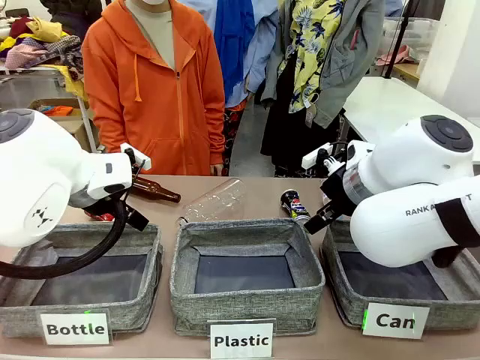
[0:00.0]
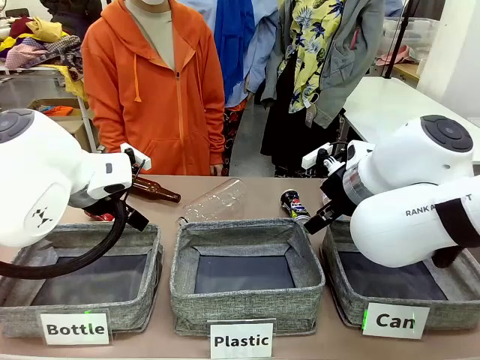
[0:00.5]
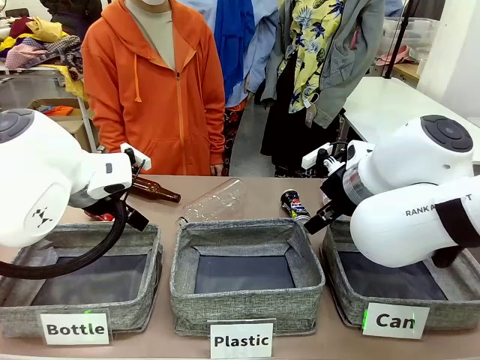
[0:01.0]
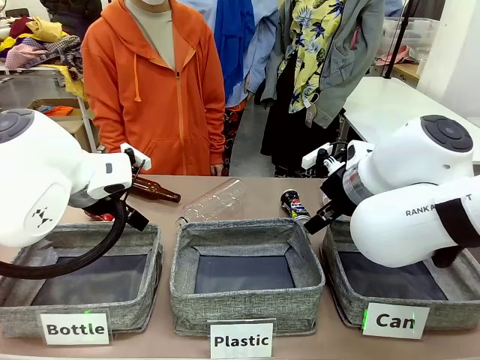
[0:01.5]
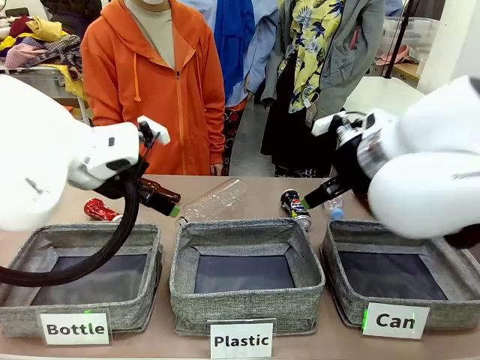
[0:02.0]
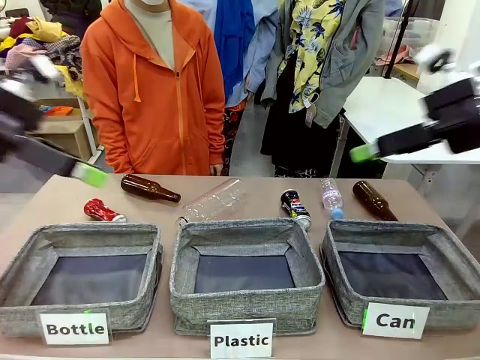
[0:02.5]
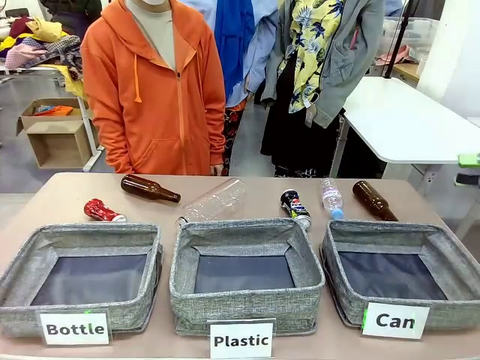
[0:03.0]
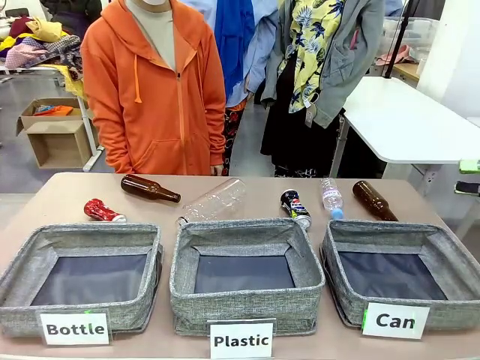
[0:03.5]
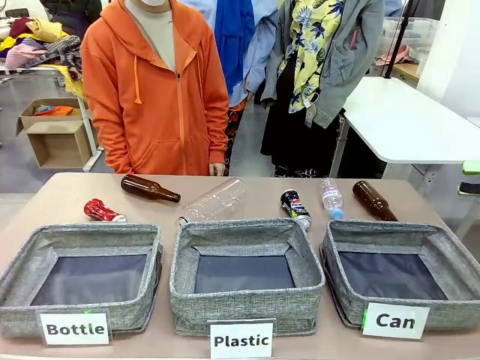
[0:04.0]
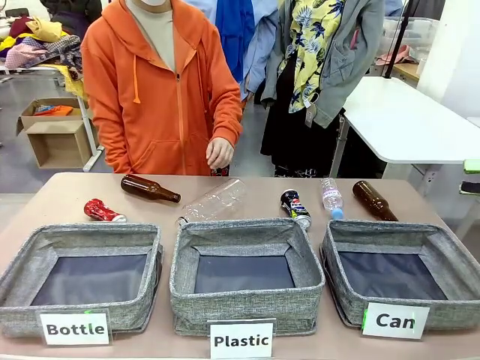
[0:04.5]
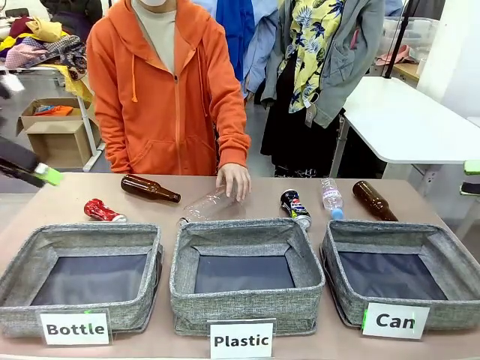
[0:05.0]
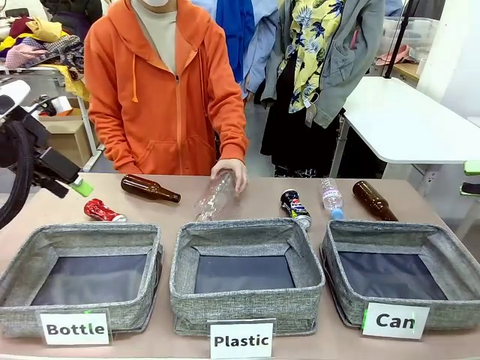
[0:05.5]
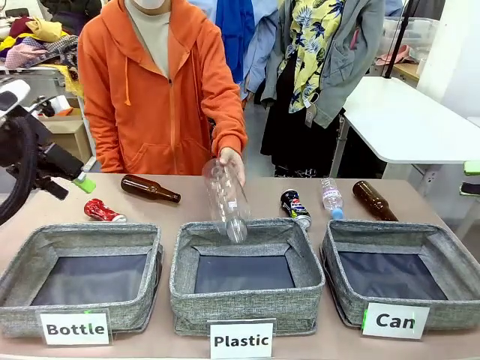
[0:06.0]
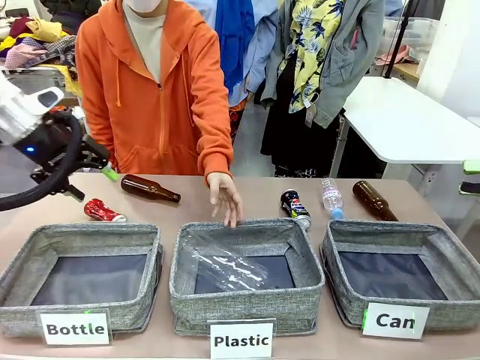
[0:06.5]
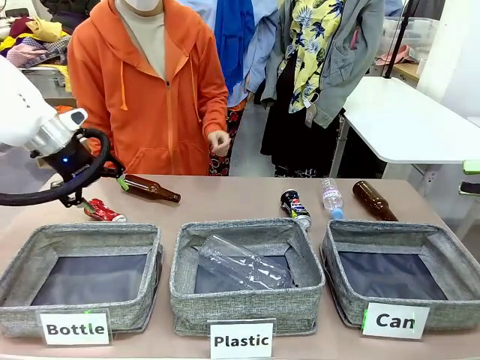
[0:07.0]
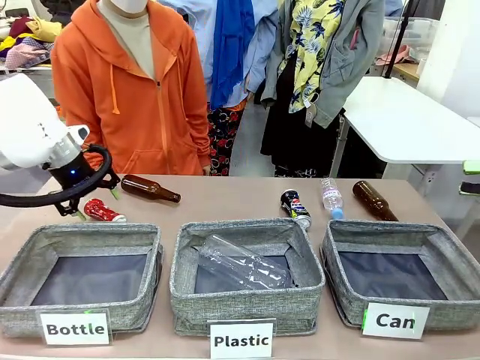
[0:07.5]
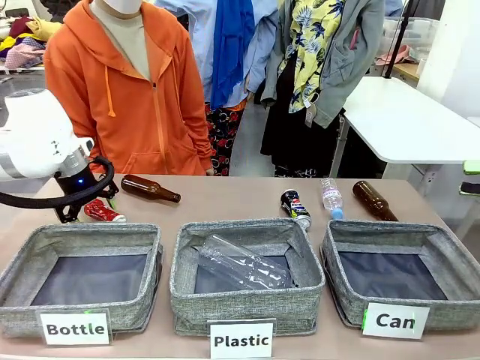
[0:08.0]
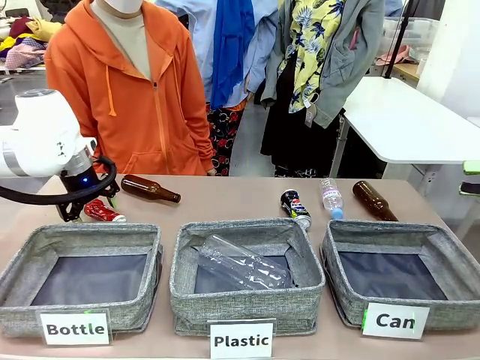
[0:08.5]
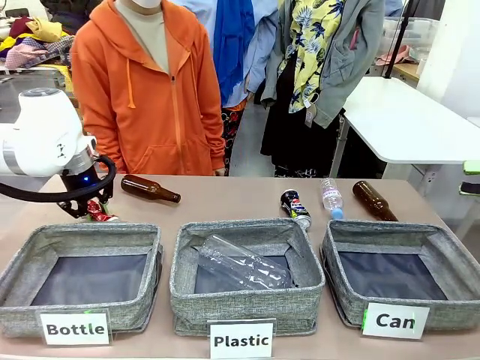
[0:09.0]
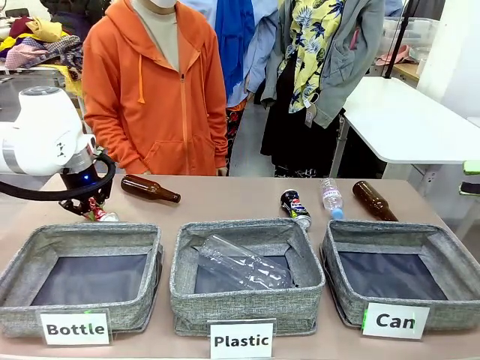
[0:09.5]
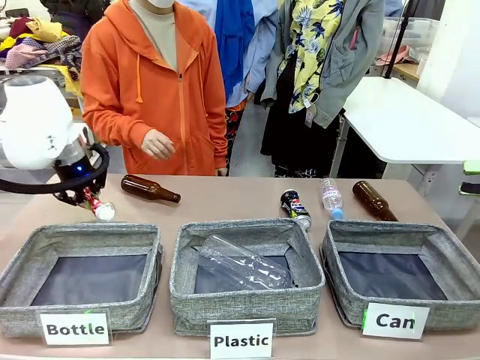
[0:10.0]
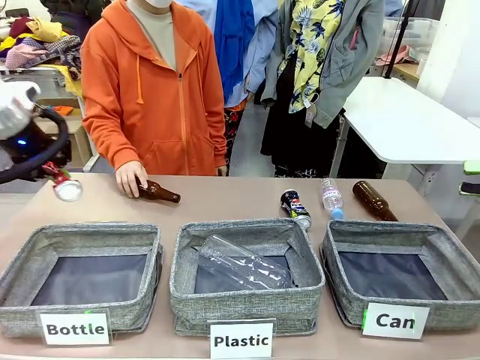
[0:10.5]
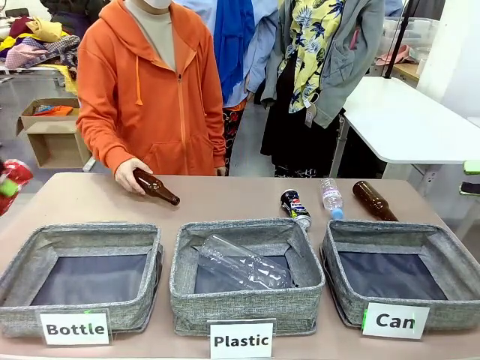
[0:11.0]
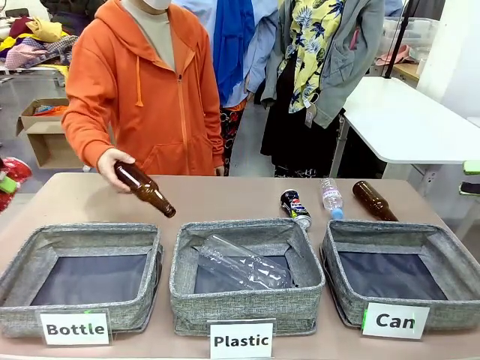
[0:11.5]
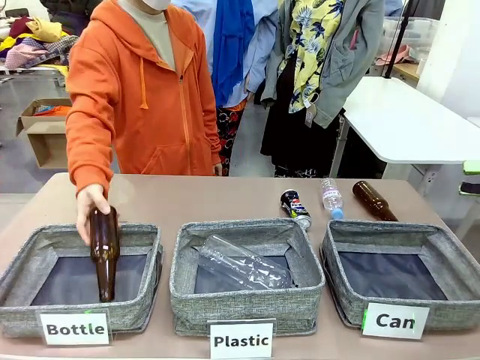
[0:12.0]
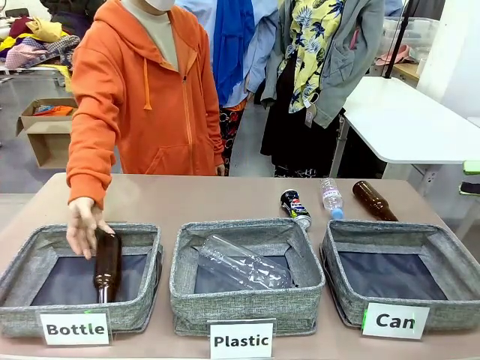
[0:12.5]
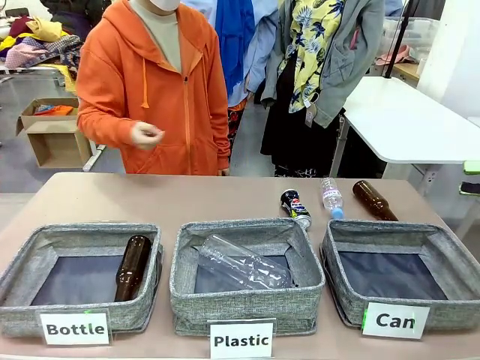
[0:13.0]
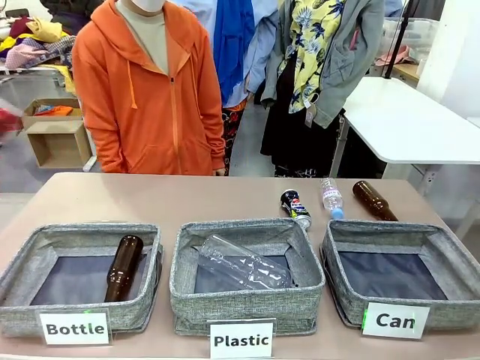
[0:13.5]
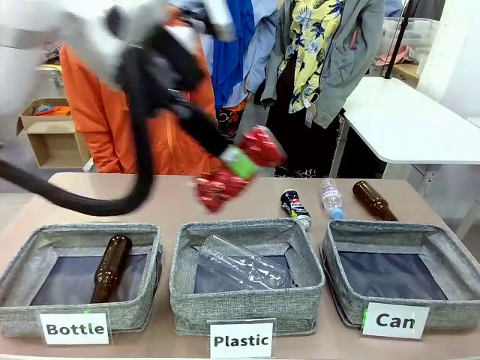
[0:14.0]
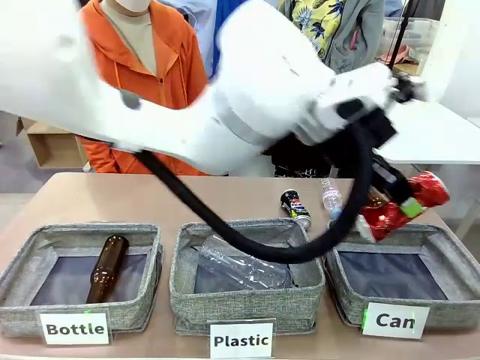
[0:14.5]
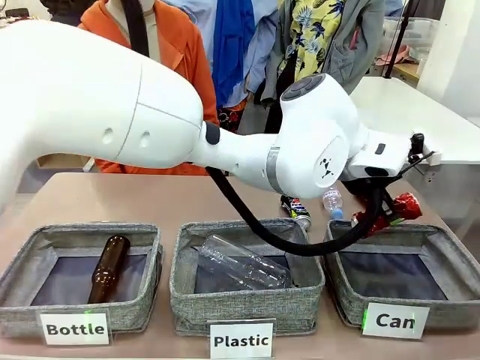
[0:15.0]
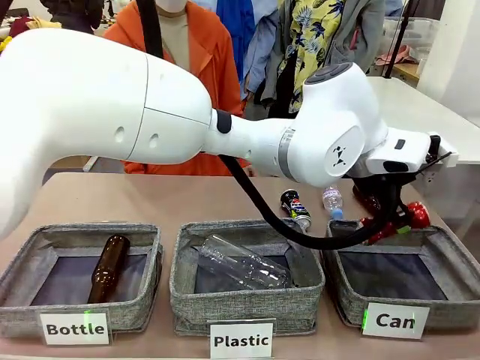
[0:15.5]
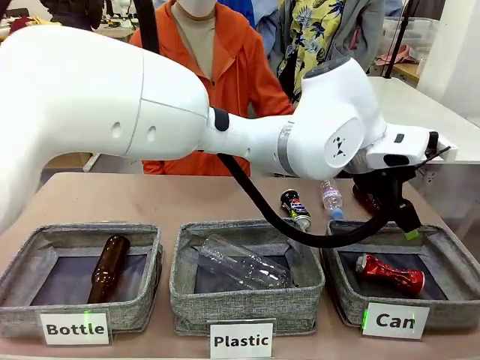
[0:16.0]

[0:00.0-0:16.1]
Task: Sort the can waste into the basket.
Robot: Pick up the can waste from the table and place it in the right Fabric basket.

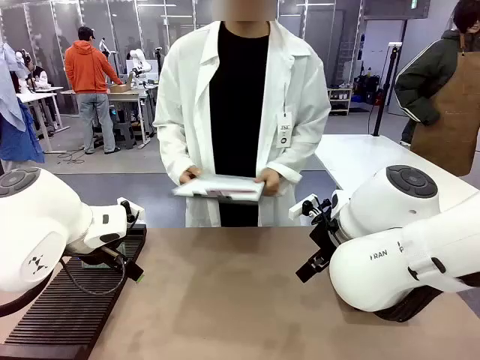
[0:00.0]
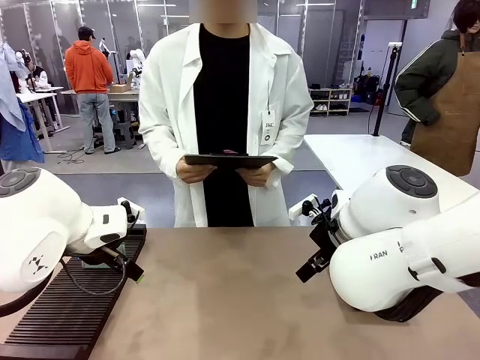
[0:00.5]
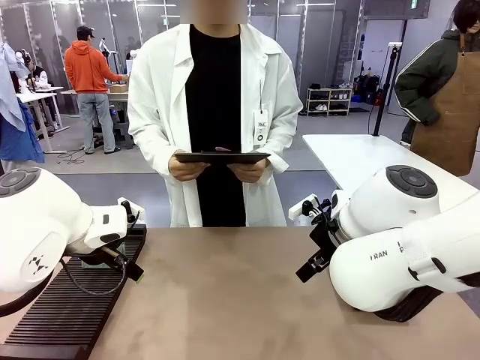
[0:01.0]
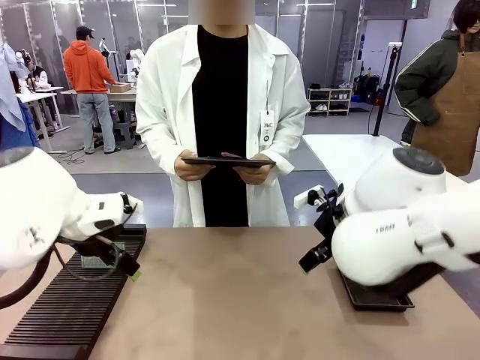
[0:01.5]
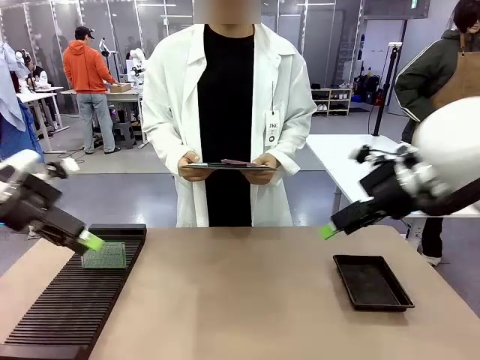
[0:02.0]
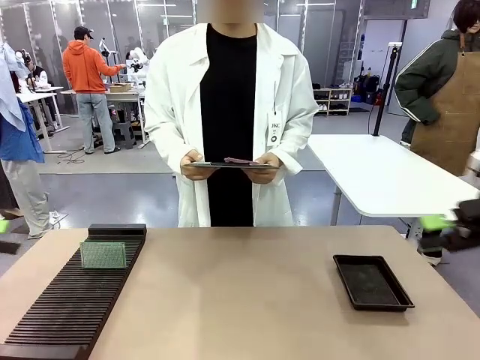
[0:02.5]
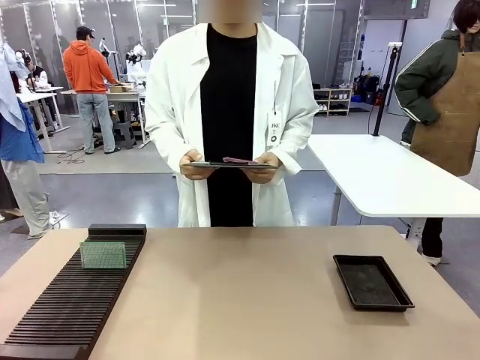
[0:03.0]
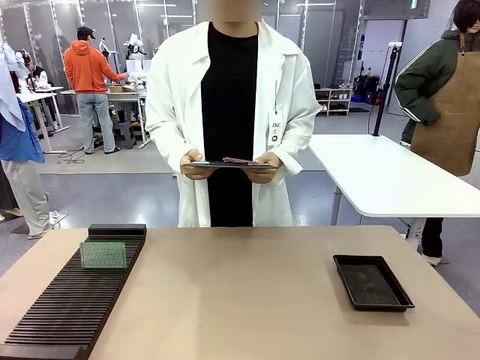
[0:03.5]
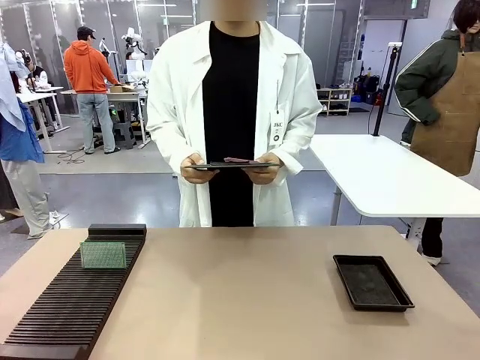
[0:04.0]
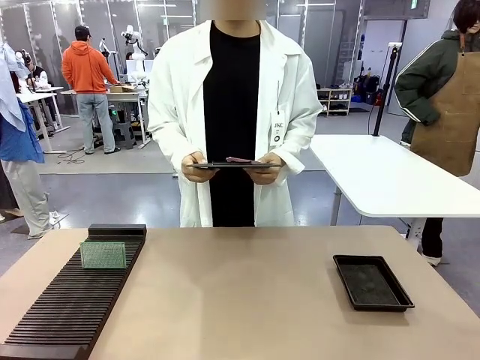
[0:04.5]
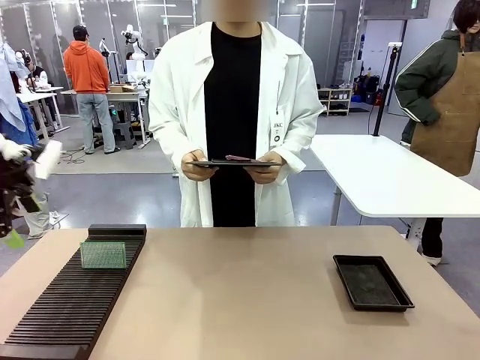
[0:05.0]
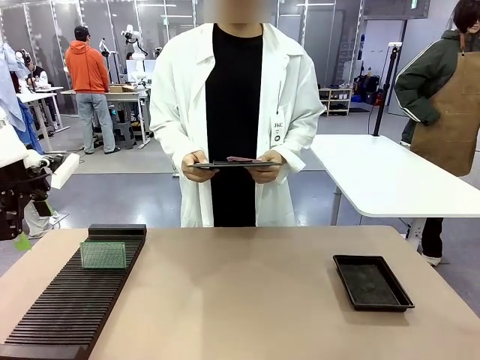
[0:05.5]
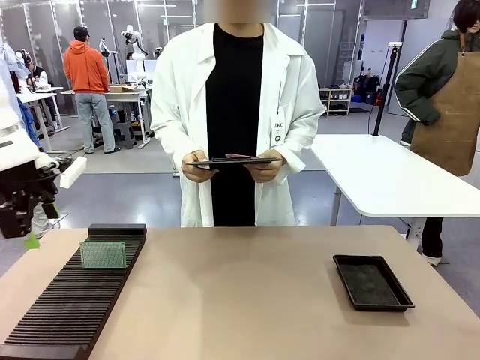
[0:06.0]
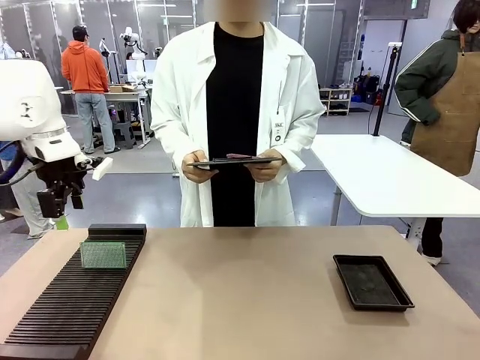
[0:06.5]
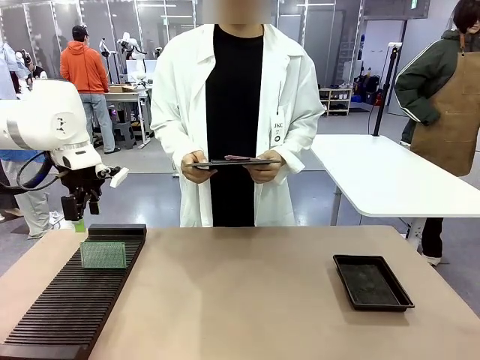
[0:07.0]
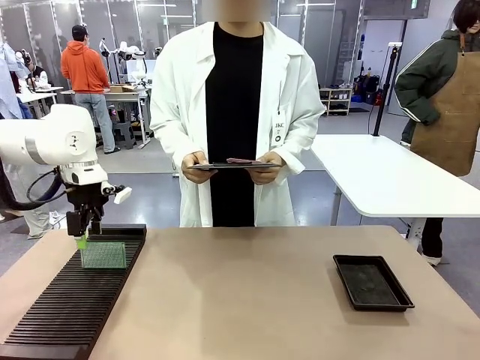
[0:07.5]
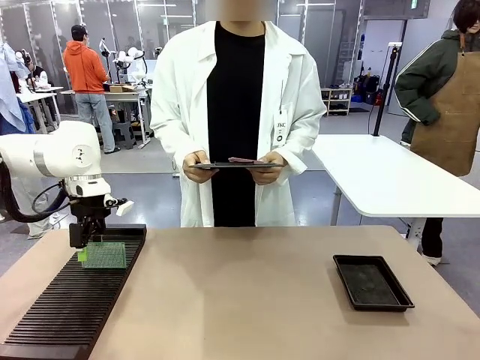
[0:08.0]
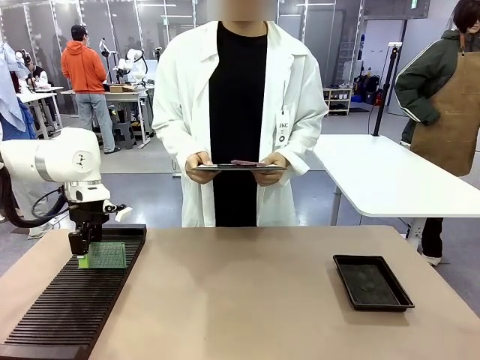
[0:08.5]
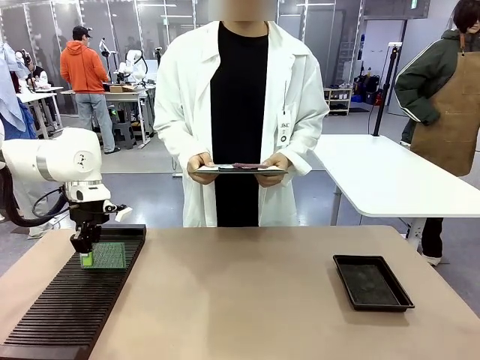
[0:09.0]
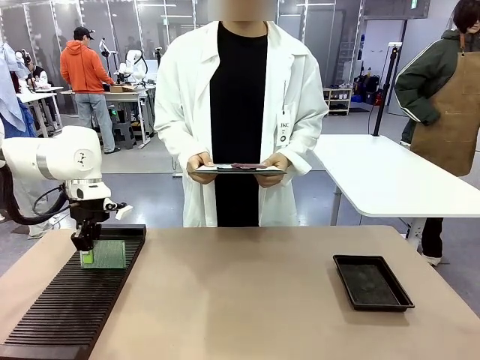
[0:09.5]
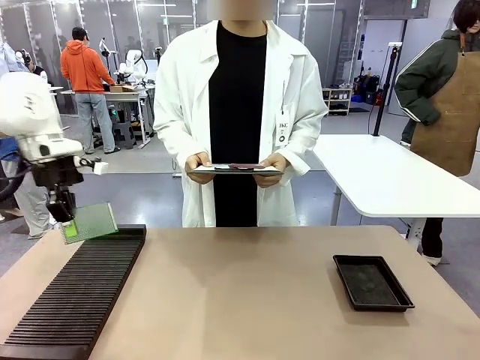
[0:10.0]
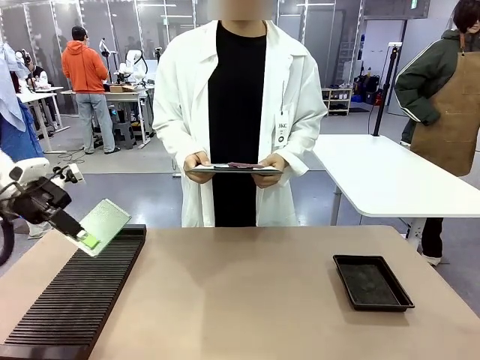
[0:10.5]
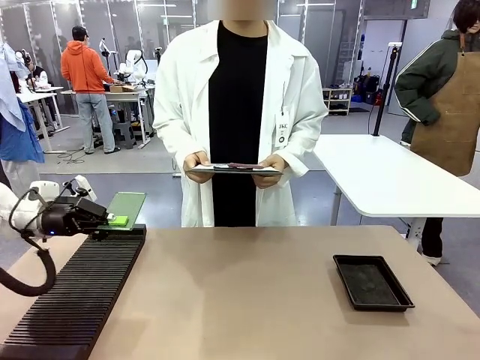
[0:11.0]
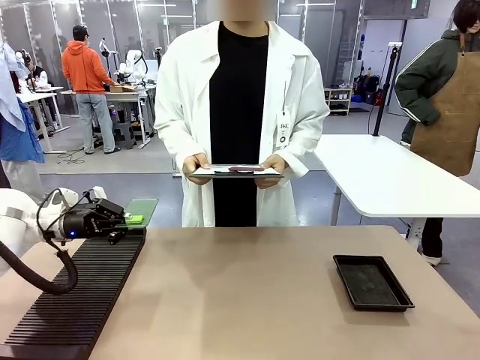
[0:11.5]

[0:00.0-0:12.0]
Task: Inspect the PCB.
Robot: Pick up the Blank PCB and present it to the human.
Person: Pick up the PCB presented by the robot.
